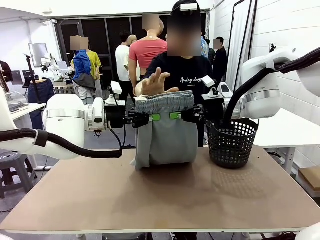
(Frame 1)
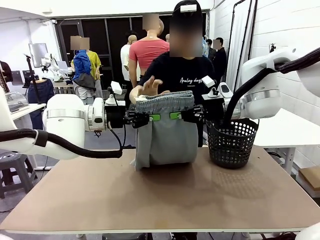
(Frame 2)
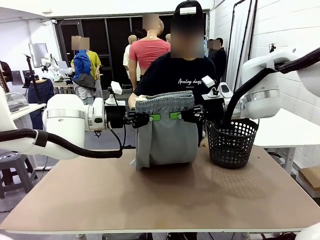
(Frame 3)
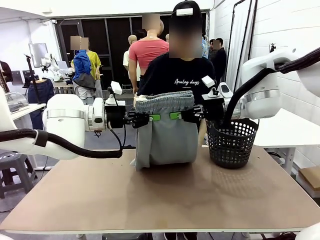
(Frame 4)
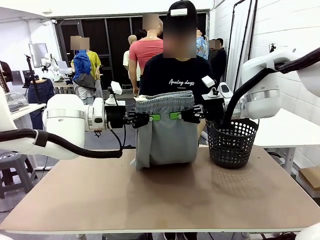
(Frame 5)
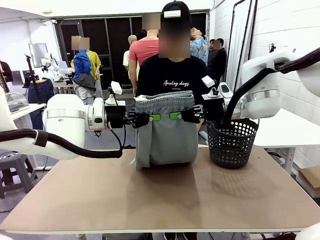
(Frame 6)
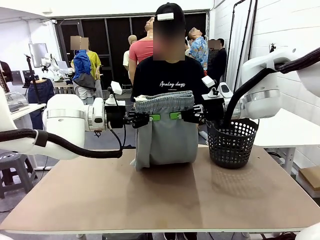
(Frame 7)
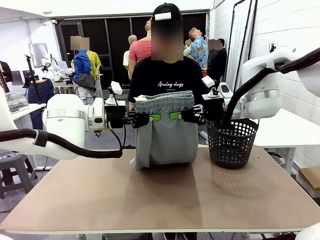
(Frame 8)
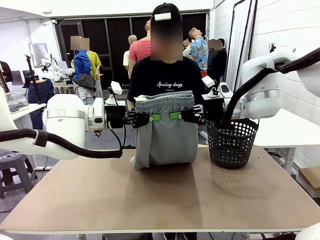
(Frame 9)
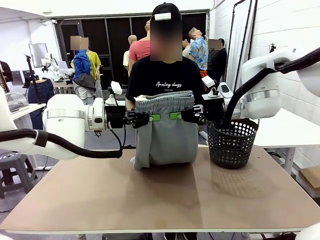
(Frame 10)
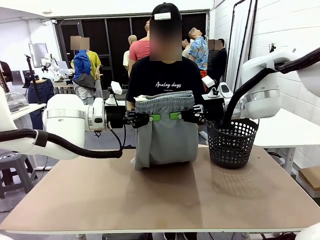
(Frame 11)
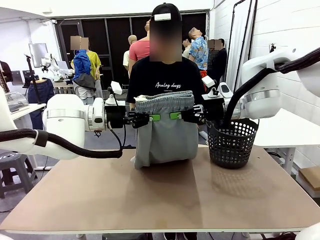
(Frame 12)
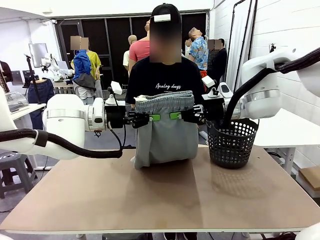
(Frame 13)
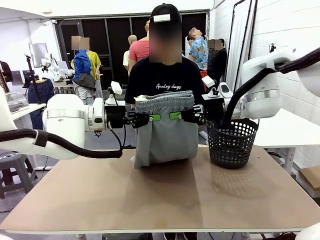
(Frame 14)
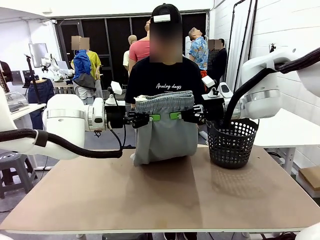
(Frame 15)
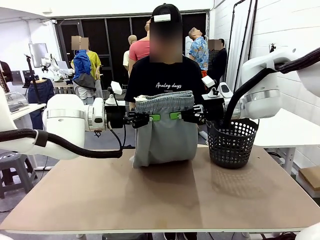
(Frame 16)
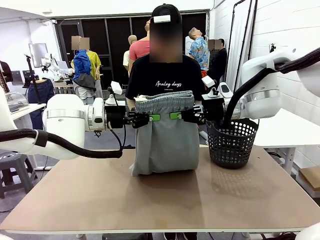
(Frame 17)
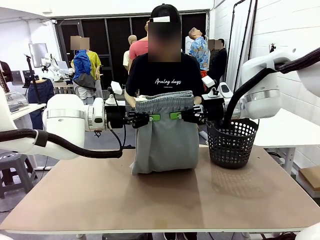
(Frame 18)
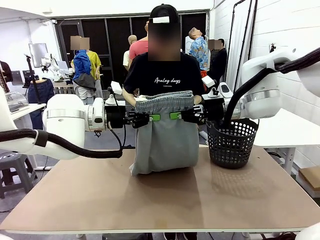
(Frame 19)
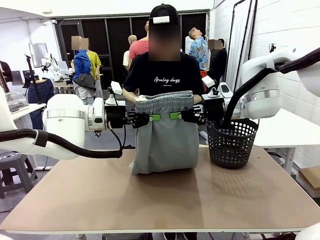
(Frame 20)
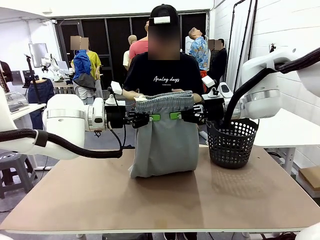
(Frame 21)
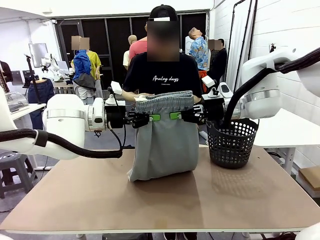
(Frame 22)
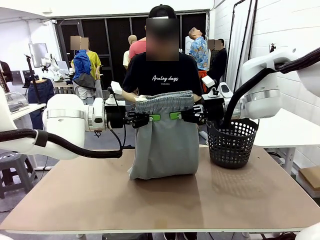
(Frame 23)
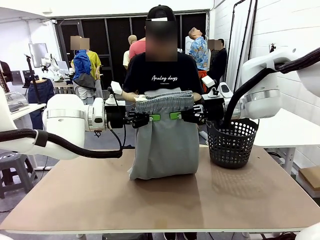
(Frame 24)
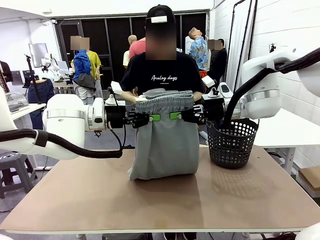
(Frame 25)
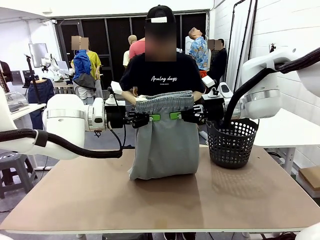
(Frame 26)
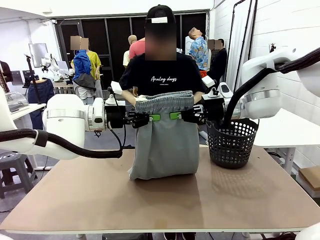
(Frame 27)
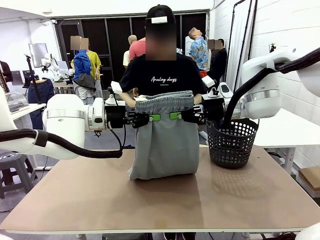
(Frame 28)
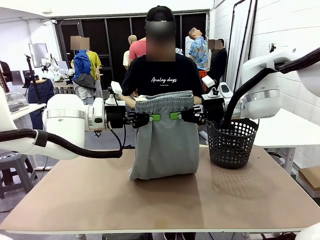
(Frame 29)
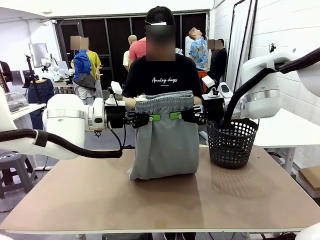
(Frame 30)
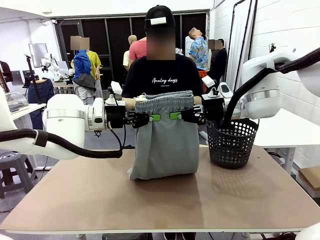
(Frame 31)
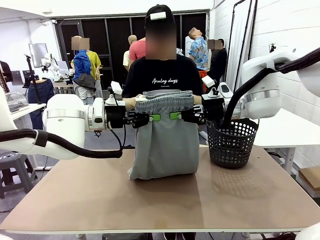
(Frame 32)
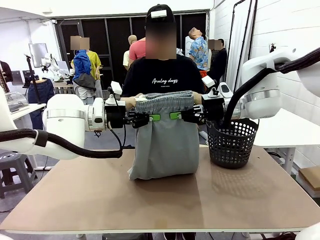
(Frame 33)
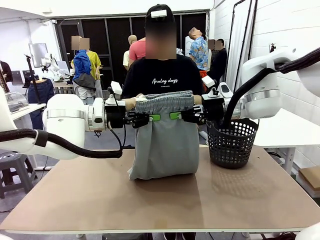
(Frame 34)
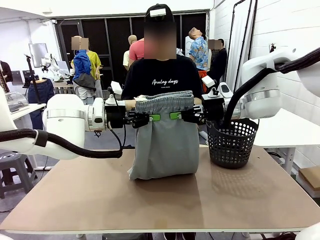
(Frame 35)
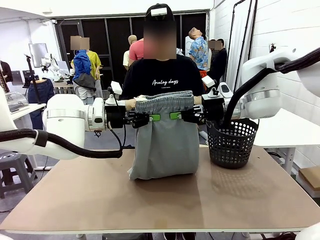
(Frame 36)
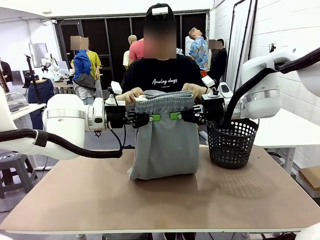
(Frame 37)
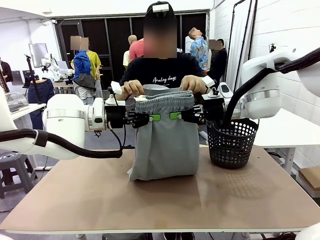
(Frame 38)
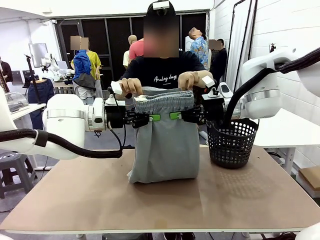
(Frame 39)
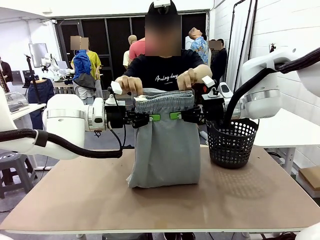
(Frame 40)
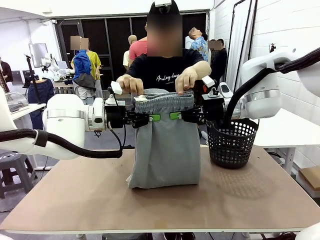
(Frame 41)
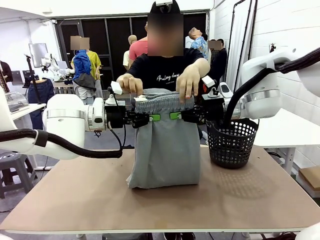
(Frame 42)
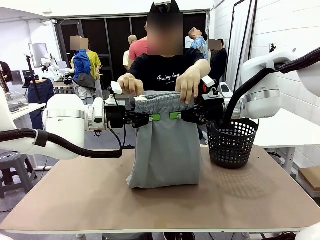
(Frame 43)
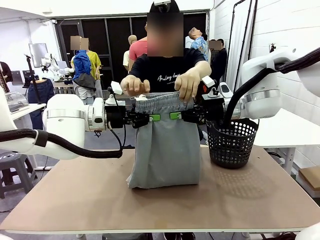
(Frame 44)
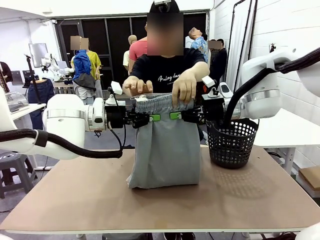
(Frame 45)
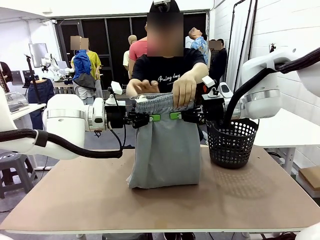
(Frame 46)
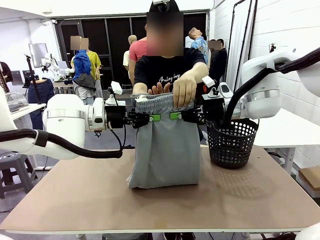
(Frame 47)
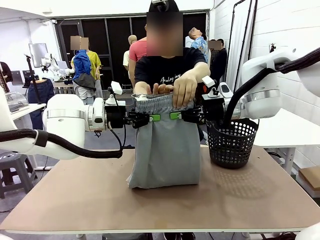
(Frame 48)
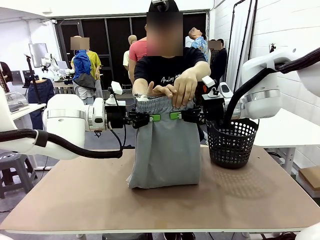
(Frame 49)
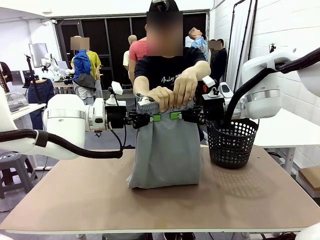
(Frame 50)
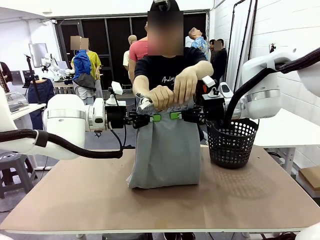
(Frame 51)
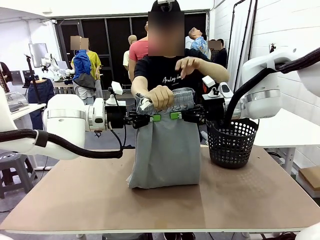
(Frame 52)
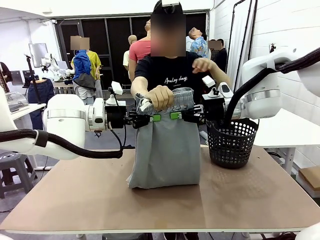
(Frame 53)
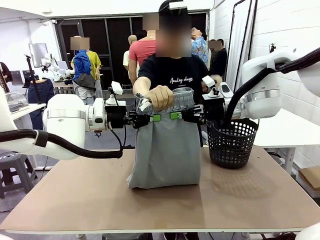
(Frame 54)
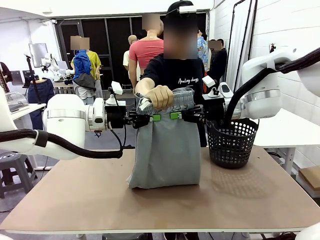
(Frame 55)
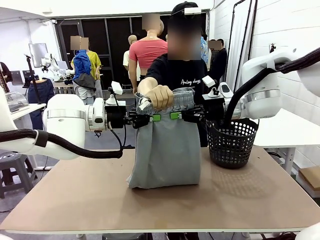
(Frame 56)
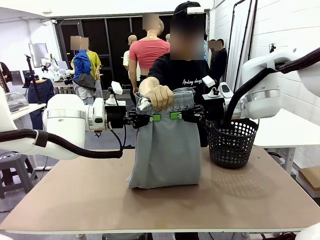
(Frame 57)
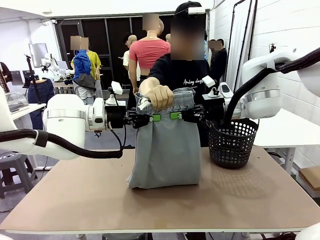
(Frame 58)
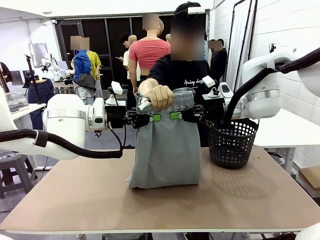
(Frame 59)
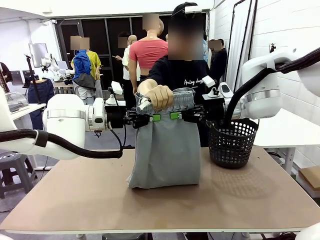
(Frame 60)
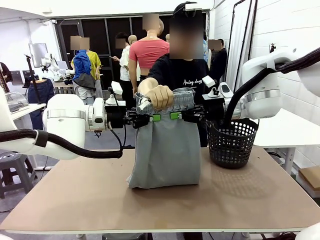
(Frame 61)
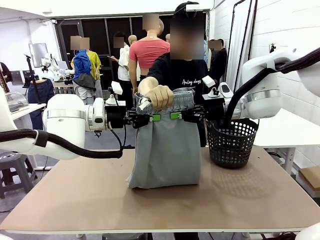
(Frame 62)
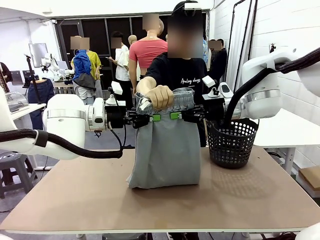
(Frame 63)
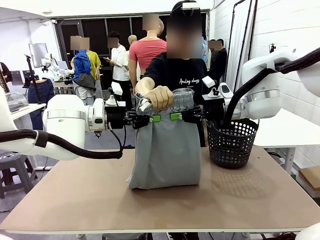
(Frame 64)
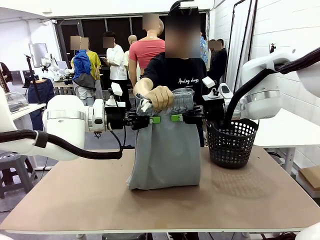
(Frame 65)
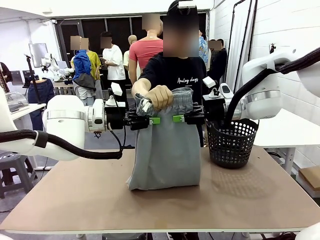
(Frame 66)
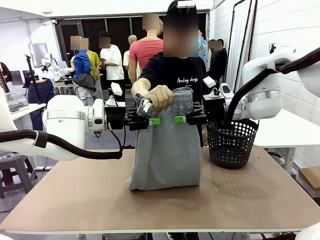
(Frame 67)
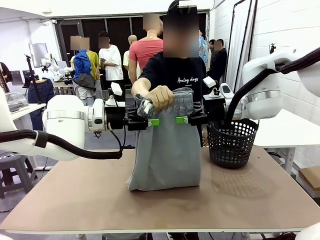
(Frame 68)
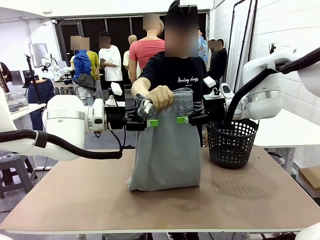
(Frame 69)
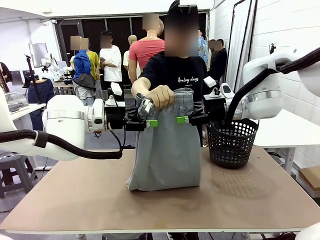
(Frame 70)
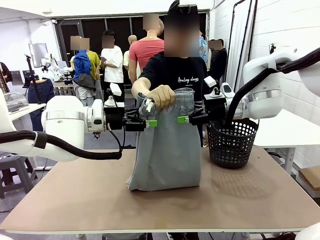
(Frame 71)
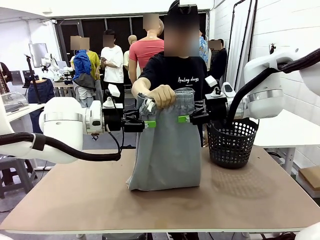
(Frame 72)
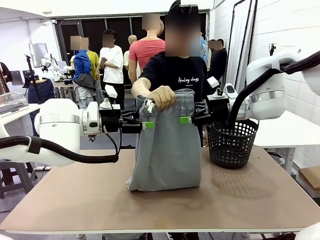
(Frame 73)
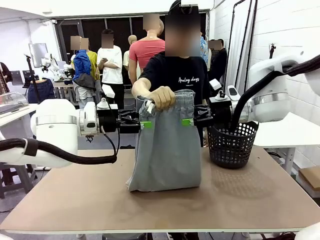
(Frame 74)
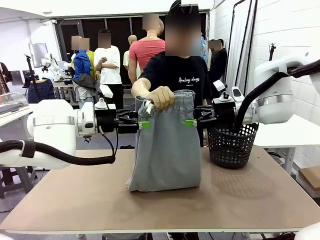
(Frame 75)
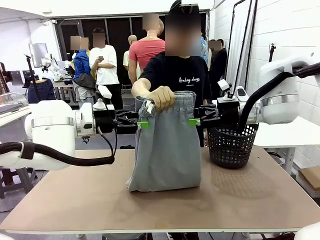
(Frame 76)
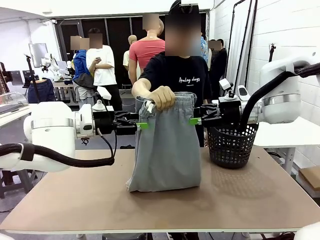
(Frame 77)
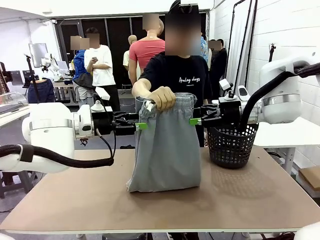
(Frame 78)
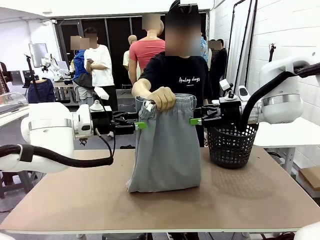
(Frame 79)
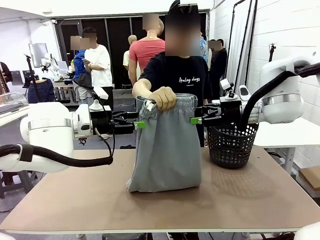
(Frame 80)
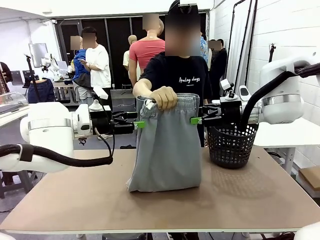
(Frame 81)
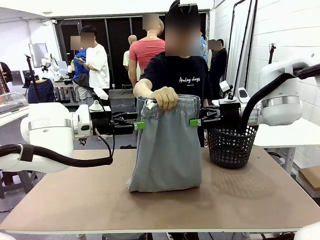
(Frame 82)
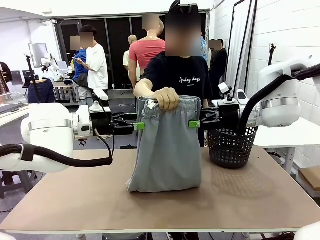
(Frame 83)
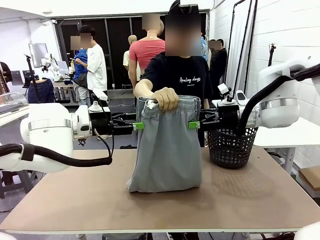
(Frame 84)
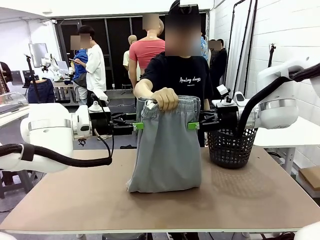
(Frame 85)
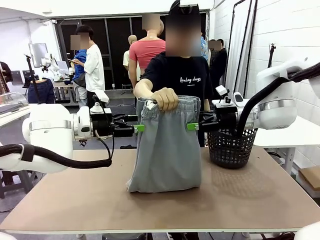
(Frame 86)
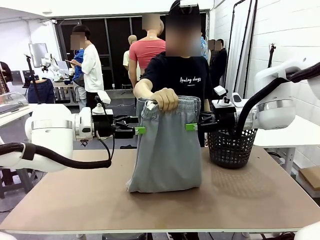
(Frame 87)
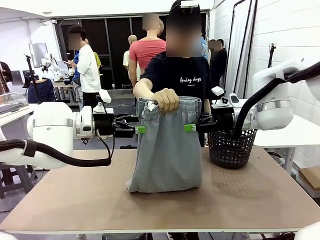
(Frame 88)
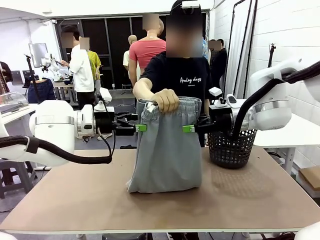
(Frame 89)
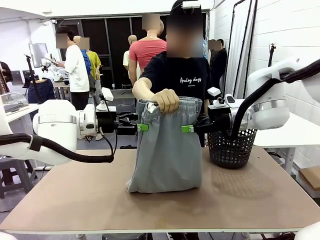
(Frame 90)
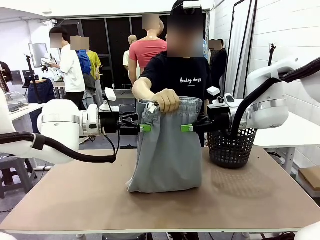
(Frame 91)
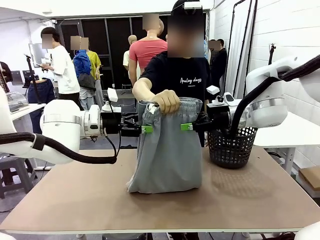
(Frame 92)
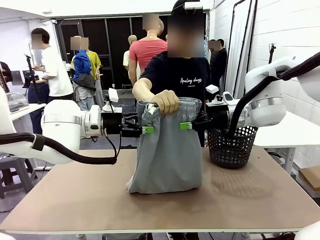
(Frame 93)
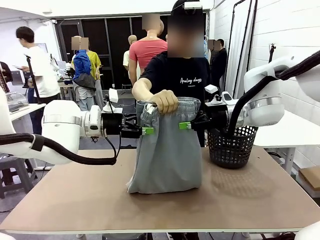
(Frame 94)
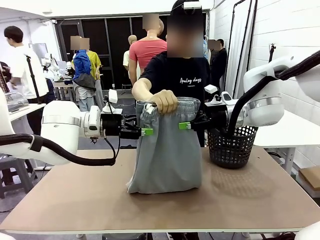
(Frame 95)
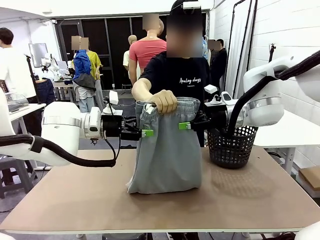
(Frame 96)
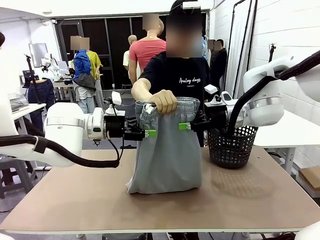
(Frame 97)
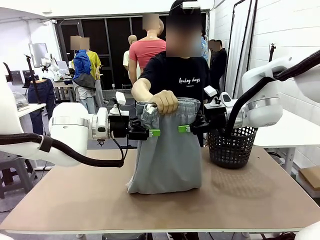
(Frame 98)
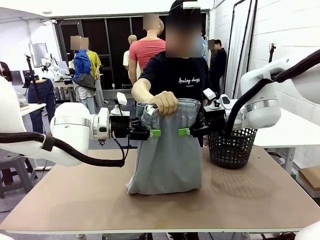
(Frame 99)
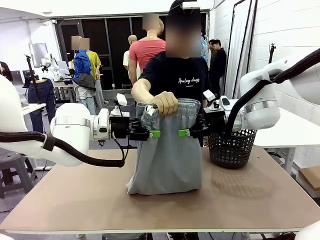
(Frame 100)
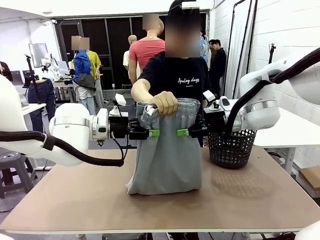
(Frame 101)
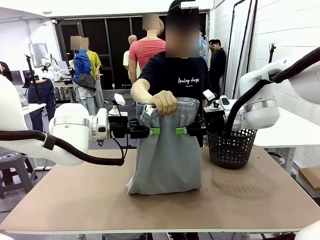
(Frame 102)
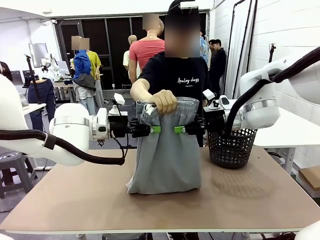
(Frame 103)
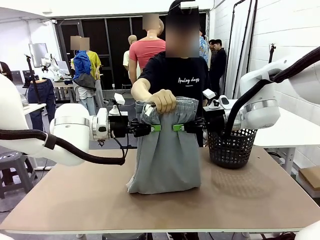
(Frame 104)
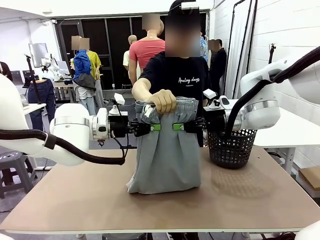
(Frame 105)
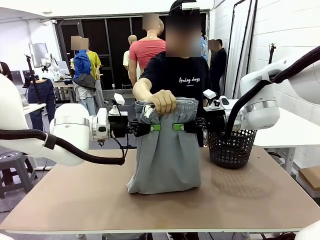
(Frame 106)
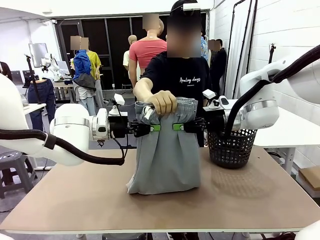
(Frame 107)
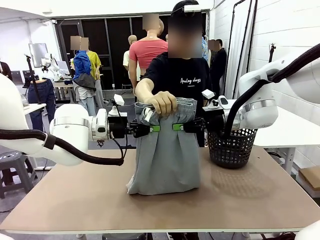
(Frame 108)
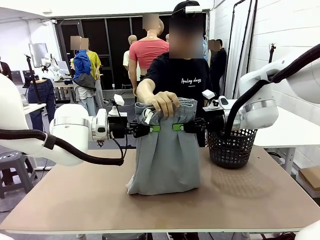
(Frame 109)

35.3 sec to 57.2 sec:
Task: Fold the training pants.
Robot: Release the ends of the Training pants and then grab the overlapped ends.
Person: Grasp the end opposite the point the robot is holding, fold the pants in half, and then grasp the overlapping top end of the folded pants. Release the pants you were holding.
